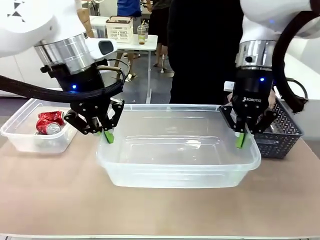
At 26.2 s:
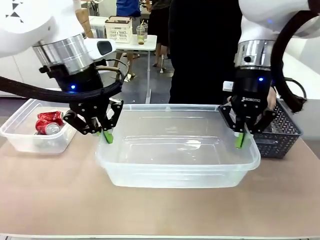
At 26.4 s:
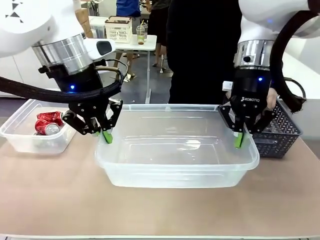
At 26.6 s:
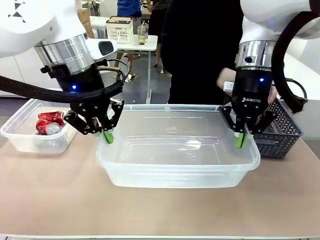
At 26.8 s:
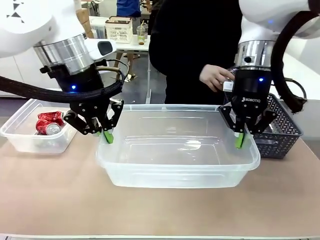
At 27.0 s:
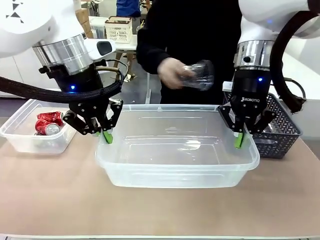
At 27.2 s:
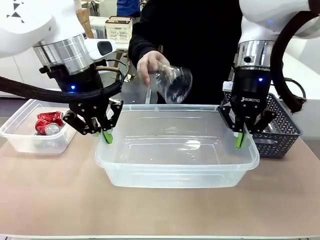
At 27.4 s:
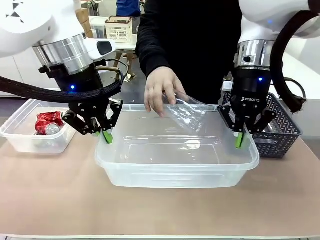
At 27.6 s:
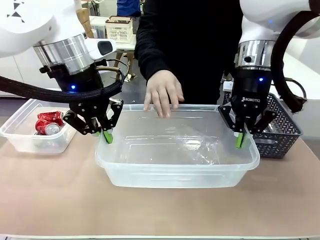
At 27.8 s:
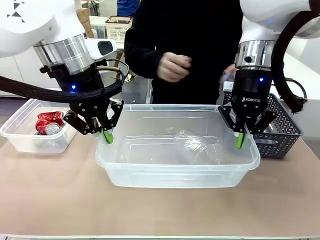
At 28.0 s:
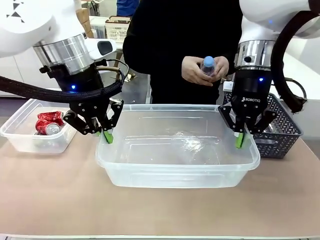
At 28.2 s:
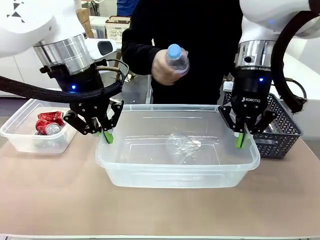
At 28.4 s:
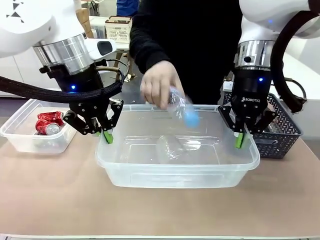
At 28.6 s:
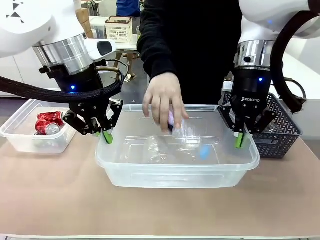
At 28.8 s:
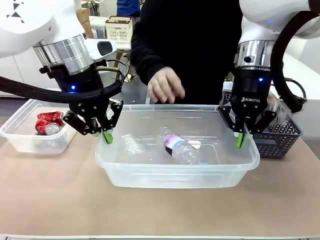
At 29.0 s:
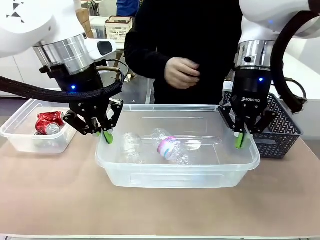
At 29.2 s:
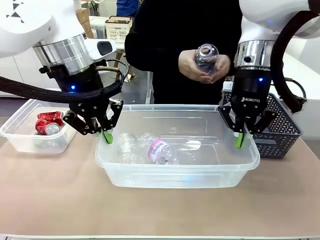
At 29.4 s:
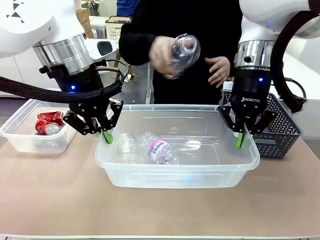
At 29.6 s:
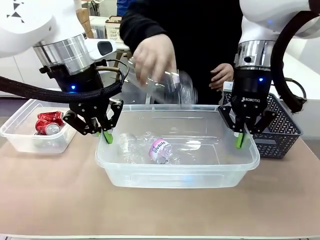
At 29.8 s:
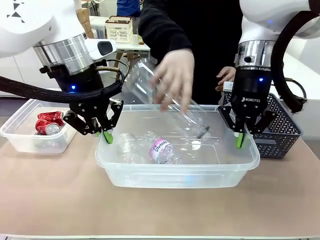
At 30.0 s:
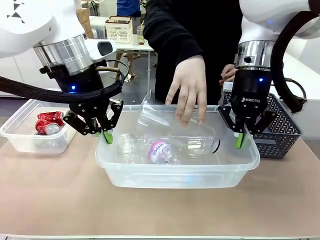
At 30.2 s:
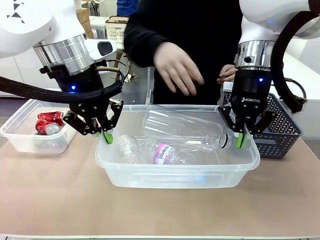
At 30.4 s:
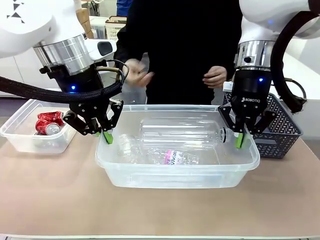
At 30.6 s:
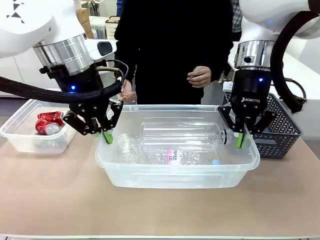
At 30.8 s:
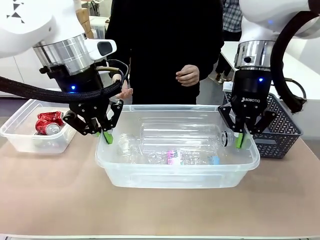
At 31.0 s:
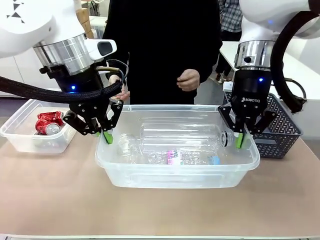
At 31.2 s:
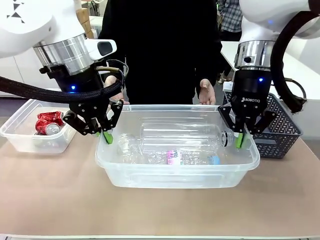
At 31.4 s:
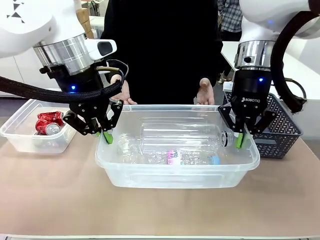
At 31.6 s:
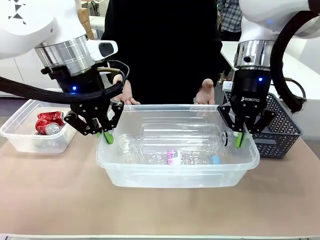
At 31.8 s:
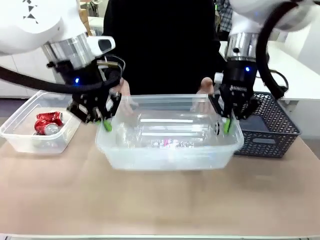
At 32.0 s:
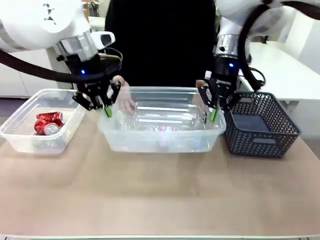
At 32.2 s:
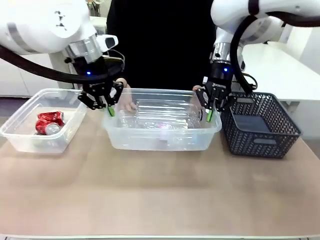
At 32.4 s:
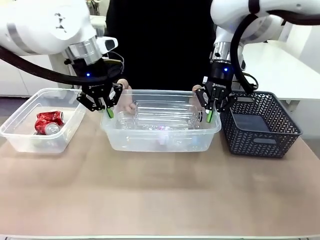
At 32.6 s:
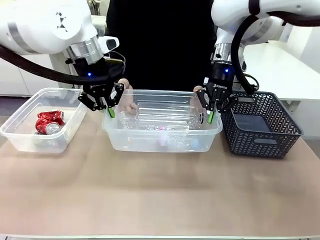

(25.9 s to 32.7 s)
Robot: Offer the picked Organizing box to the human.
Person: Pick up plastic waste one by one and place it into the organizing box lifted by the robot.

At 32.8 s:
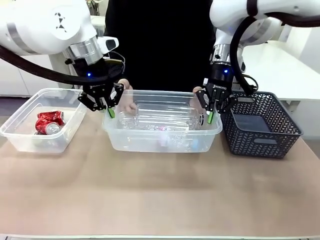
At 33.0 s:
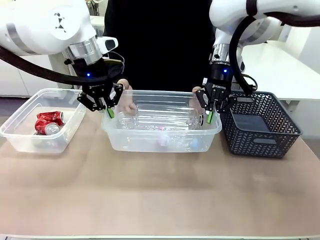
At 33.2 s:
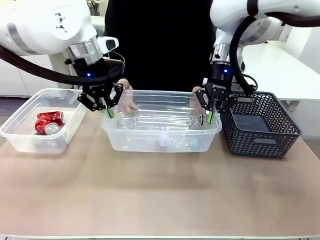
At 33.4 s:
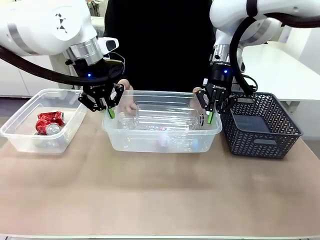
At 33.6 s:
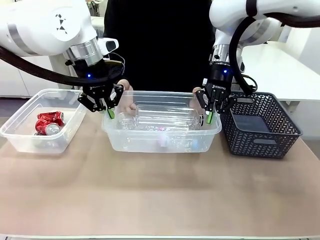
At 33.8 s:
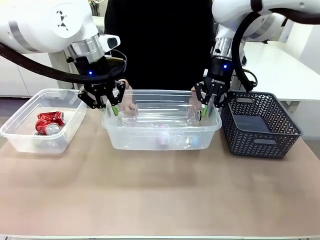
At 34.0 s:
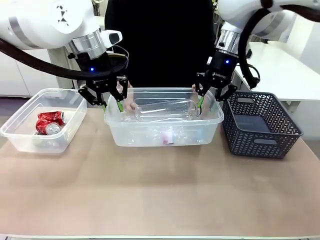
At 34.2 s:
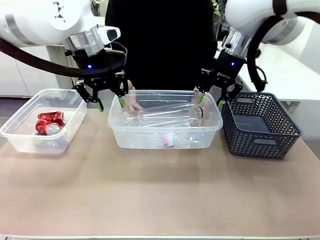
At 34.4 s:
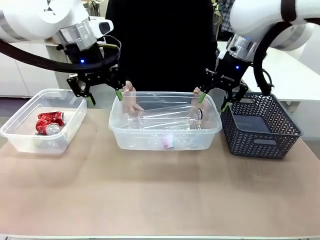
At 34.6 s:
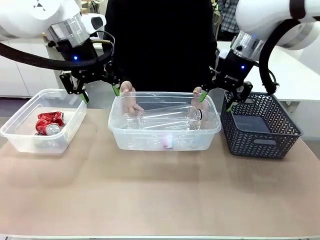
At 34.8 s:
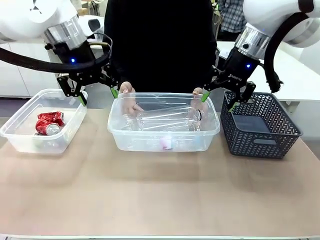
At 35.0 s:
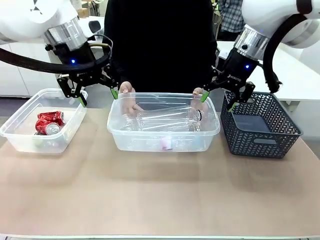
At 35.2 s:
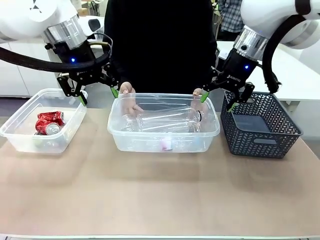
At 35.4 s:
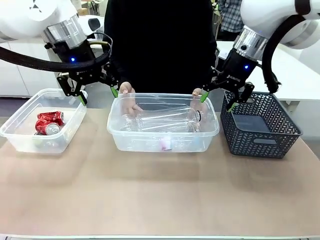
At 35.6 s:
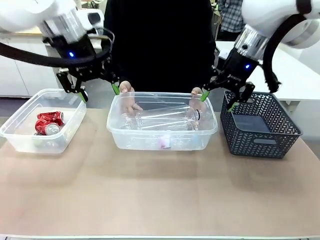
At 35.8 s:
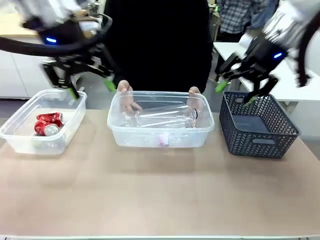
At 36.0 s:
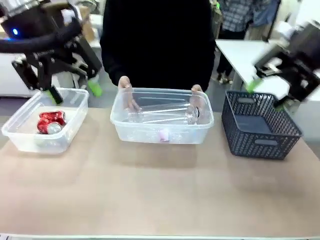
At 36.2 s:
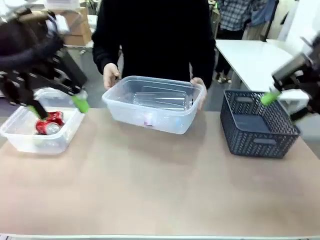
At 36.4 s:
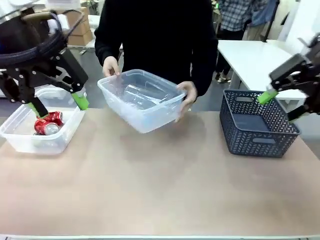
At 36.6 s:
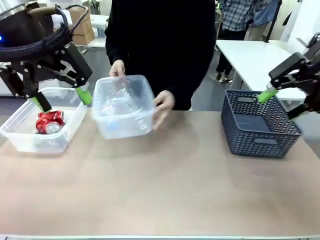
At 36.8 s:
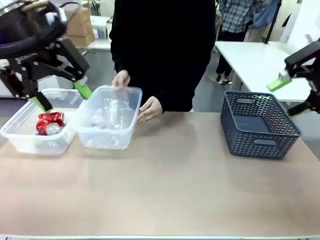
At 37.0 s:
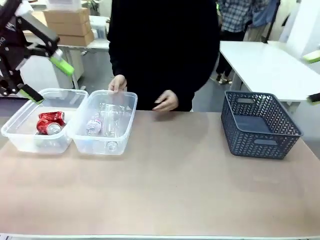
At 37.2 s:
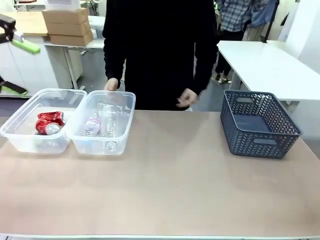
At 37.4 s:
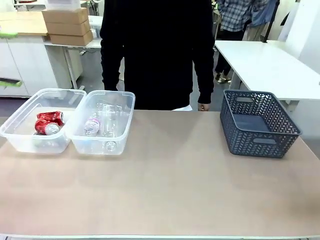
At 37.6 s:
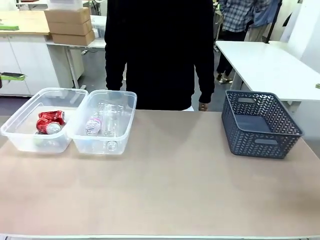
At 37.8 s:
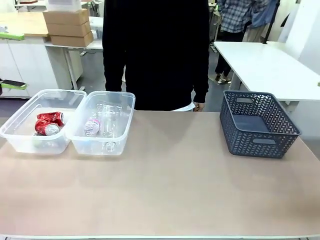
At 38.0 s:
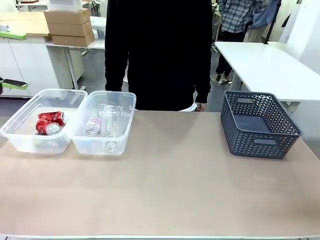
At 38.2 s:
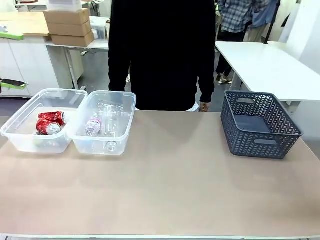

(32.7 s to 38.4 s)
Robot: Release the Organizing box you were holding.
Person: Pick up the organizing box extended by the robot. Place the organizing box to the left of the sorting box containing the can waste.
